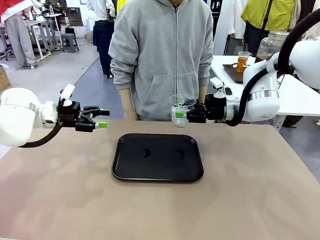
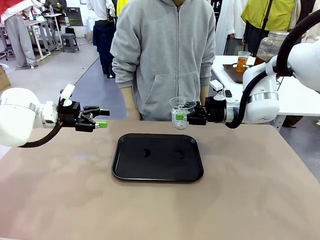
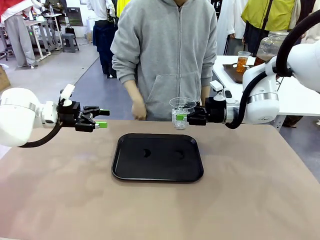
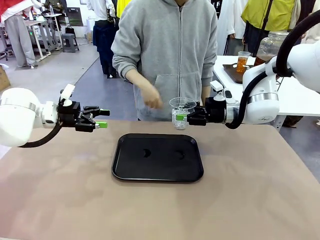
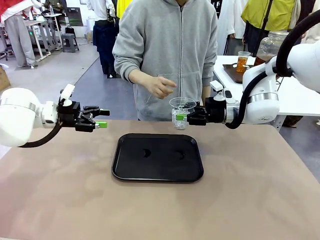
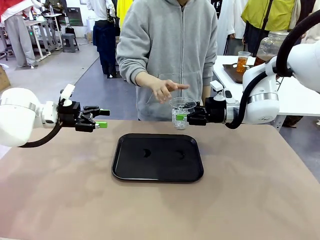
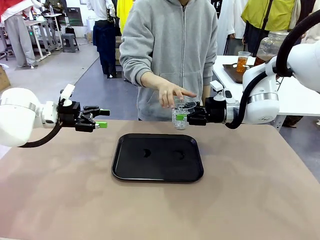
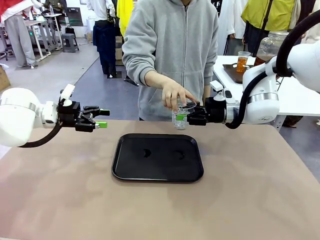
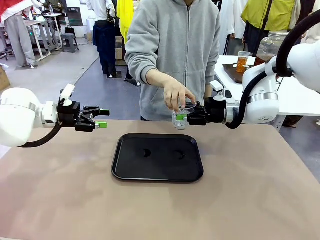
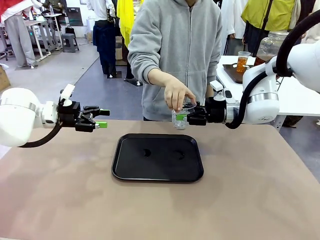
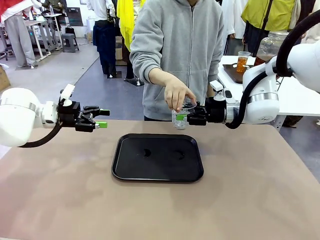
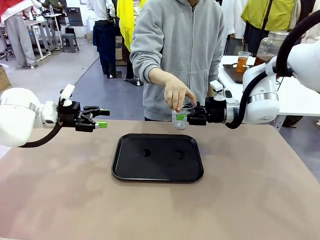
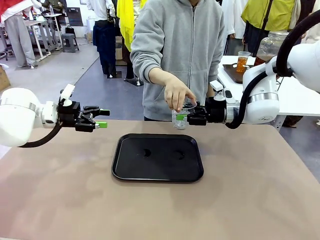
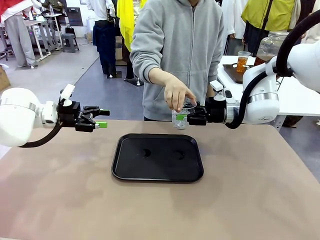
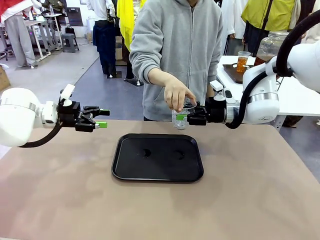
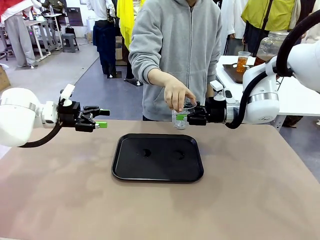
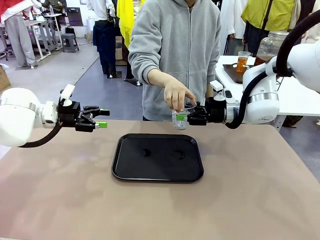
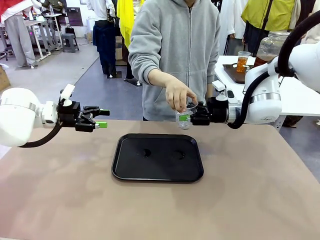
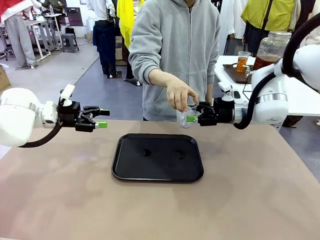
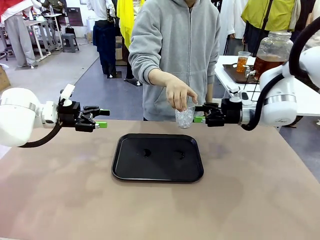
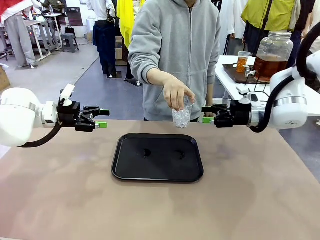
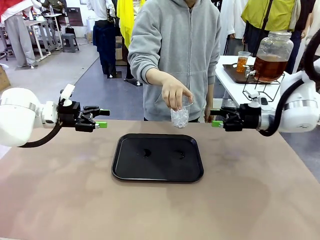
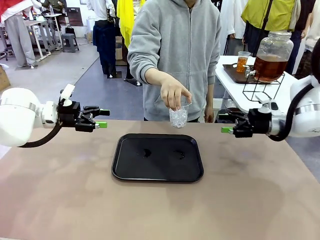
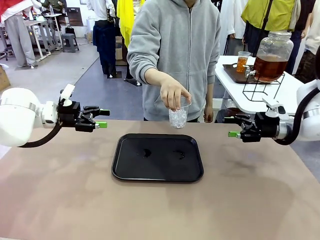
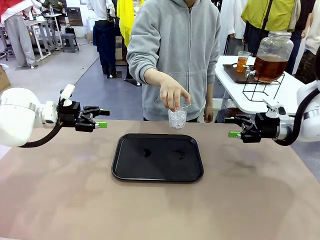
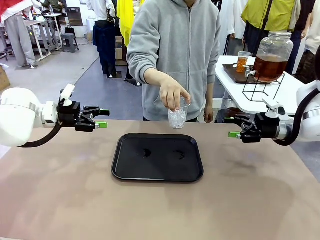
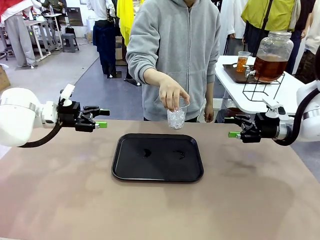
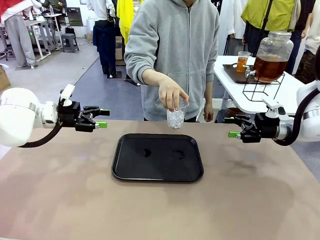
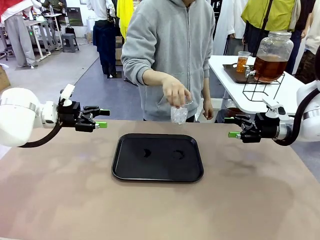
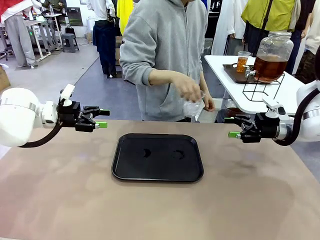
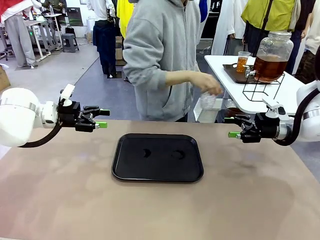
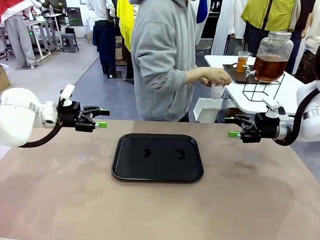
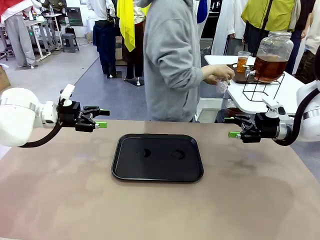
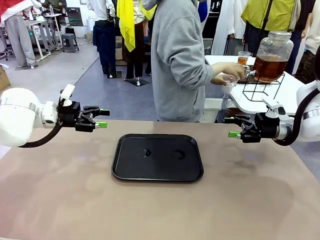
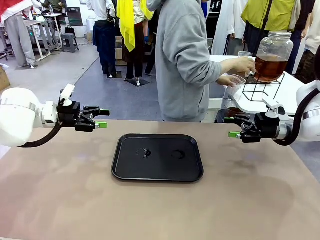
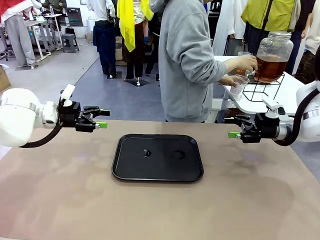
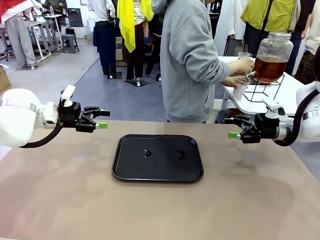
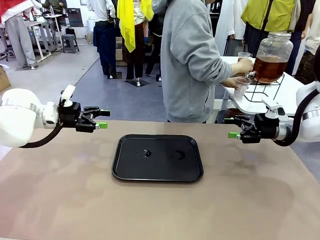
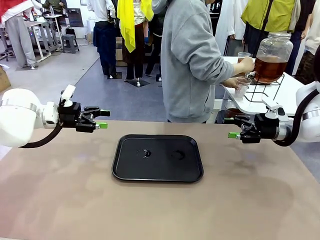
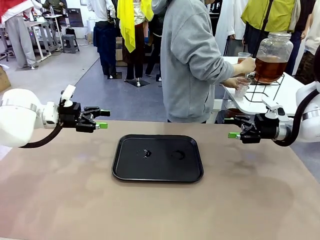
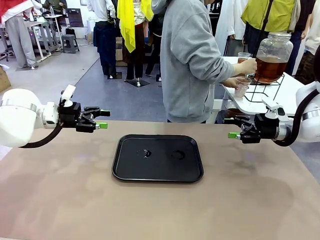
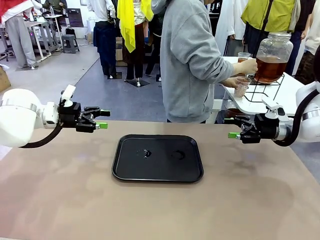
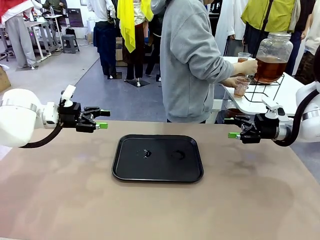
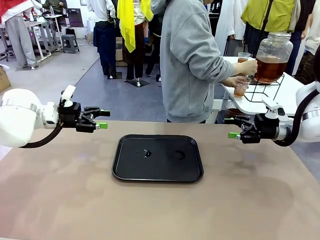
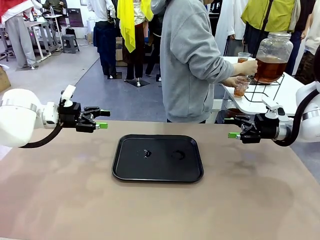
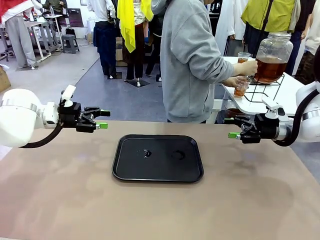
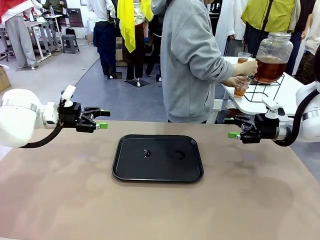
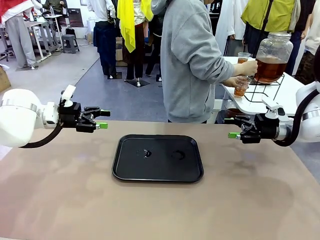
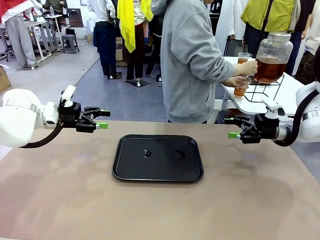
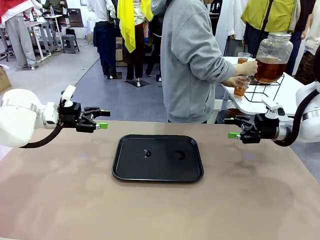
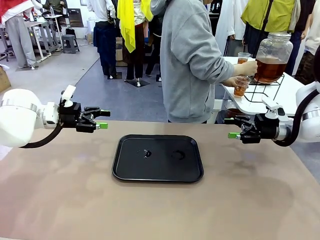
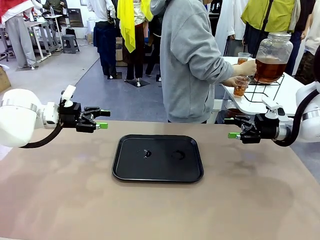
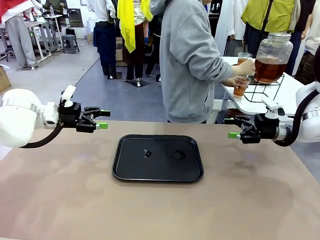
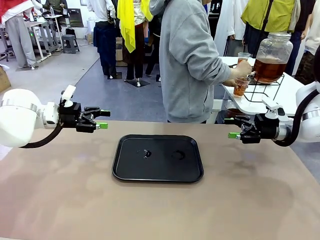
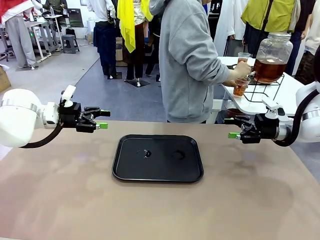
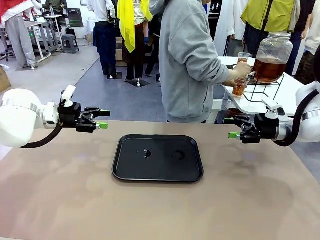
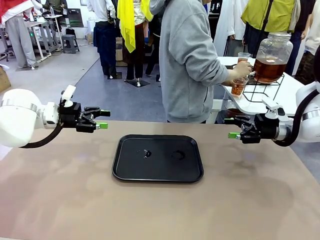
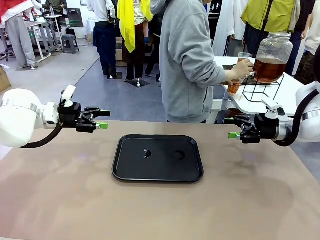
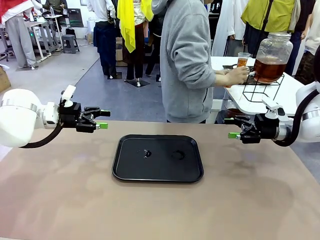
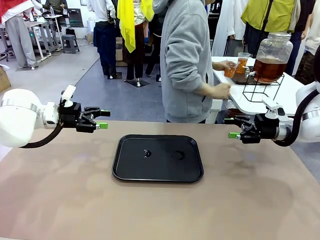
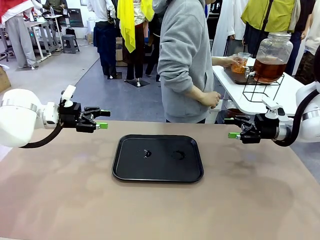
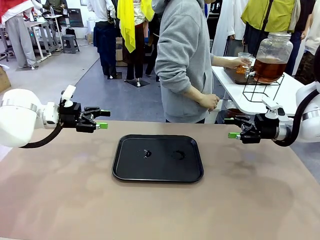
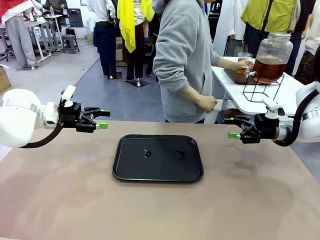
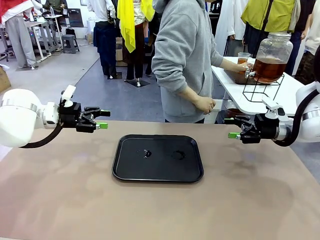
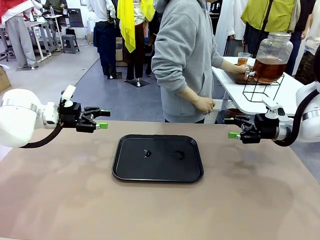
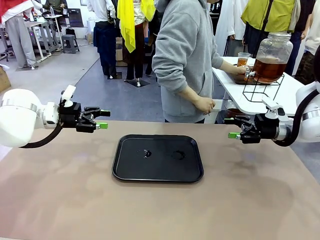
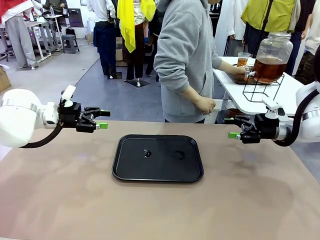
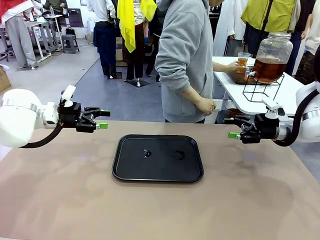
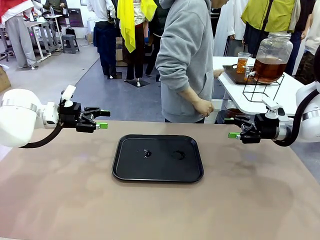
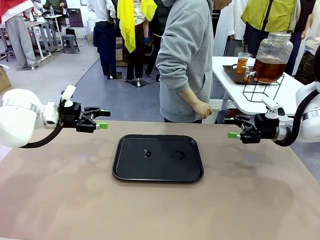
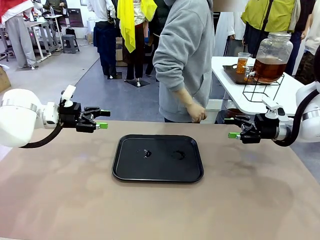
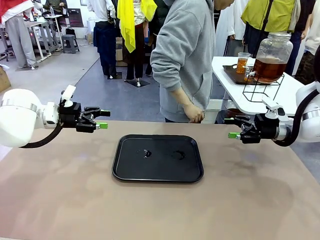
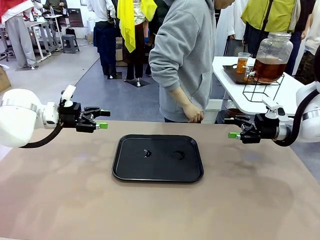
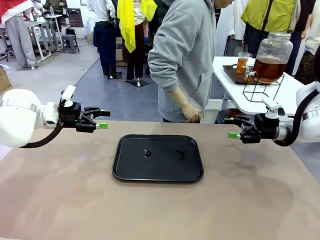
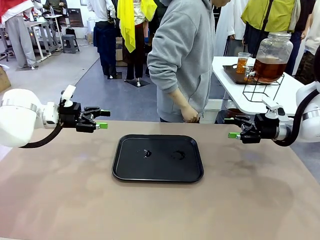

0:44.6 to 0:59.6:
Task: Pour the drink into the iced cup.
Robot: Open the gripper to release the iced cup you were holding.
Person: Move the picked-up cup under the dispenser faucet, pour the drink, and place it on the tray on the human table.
